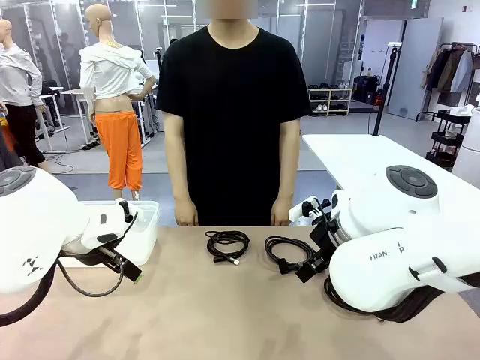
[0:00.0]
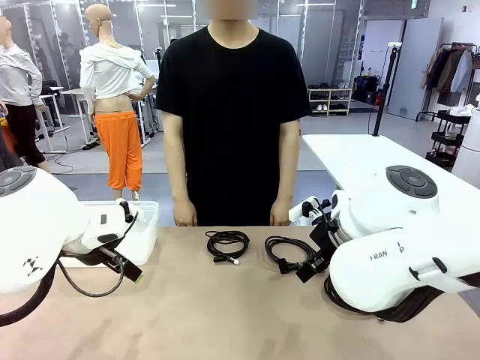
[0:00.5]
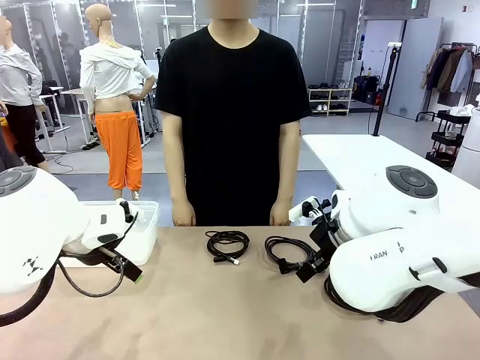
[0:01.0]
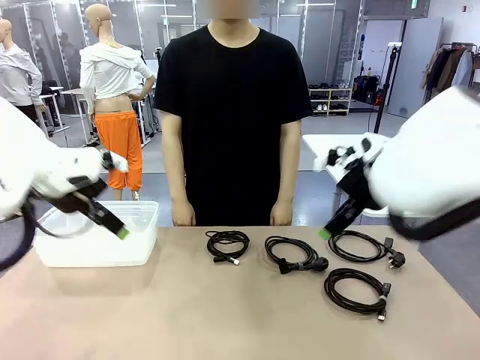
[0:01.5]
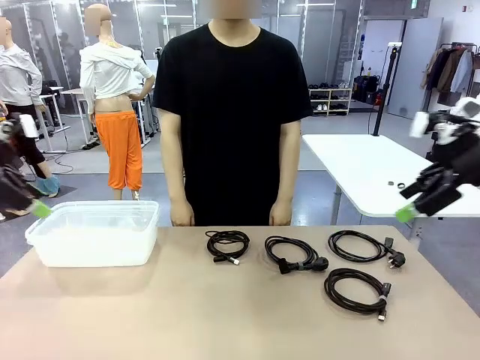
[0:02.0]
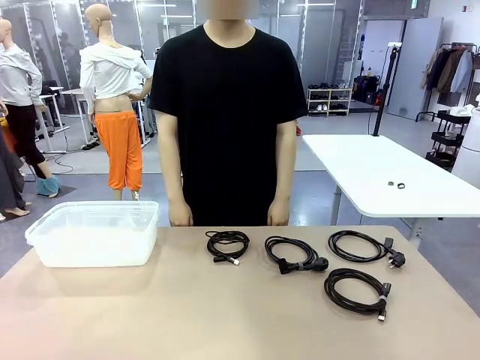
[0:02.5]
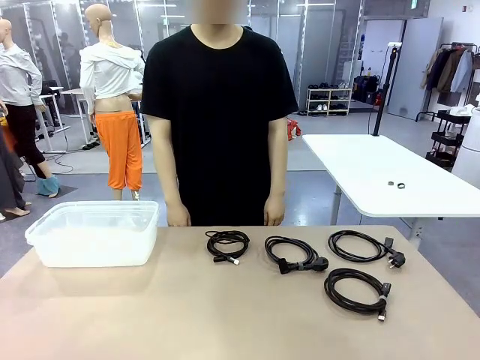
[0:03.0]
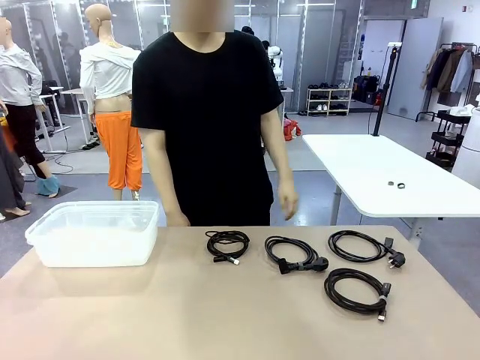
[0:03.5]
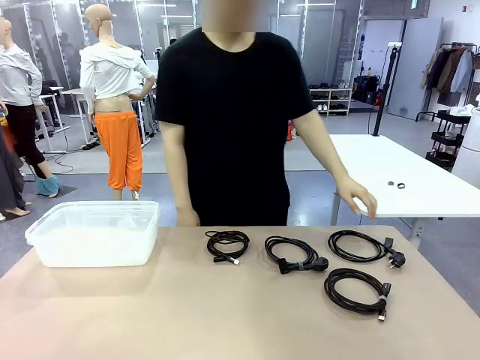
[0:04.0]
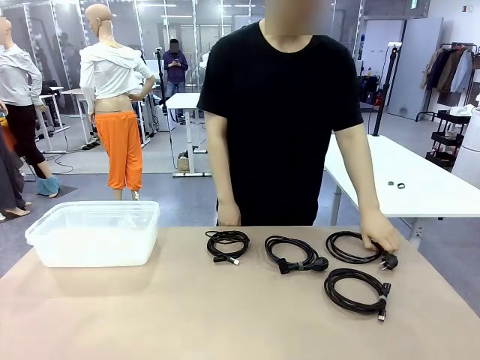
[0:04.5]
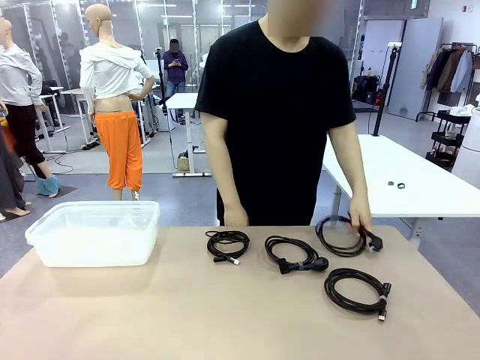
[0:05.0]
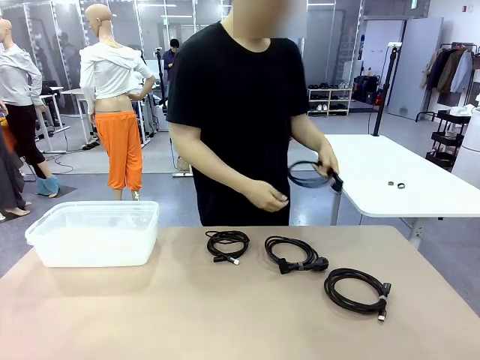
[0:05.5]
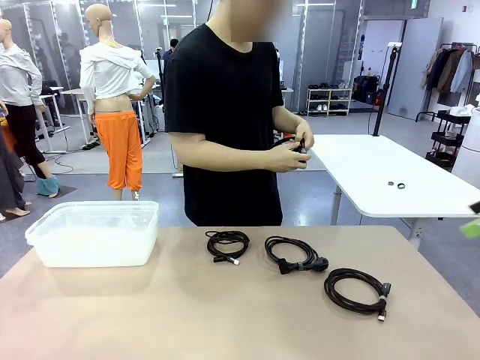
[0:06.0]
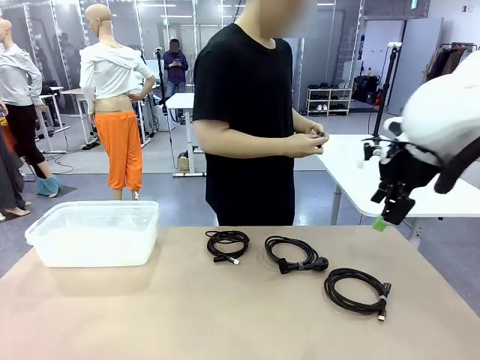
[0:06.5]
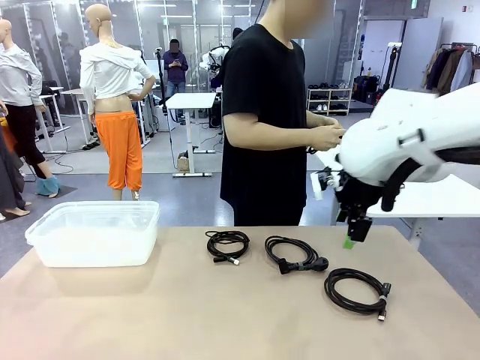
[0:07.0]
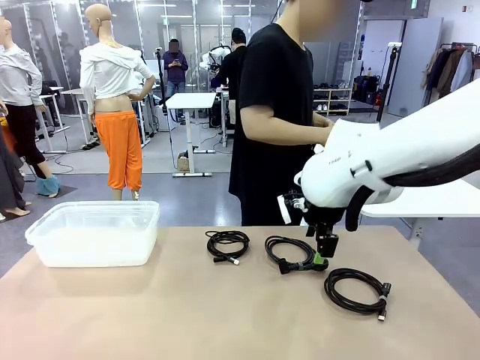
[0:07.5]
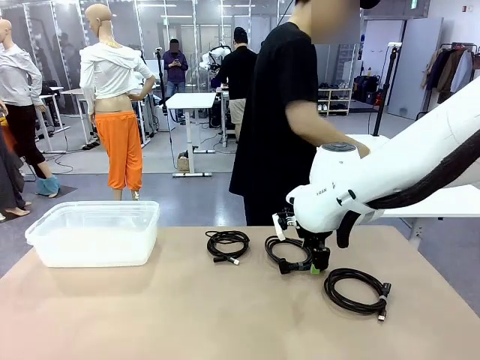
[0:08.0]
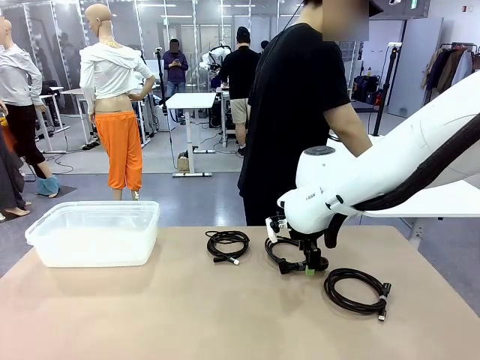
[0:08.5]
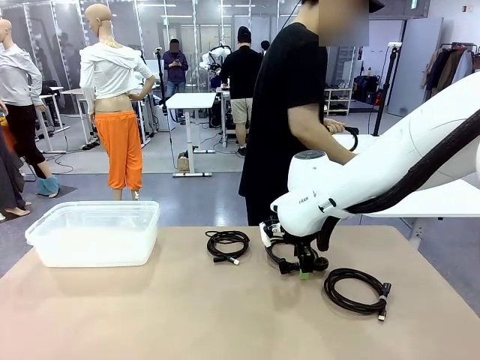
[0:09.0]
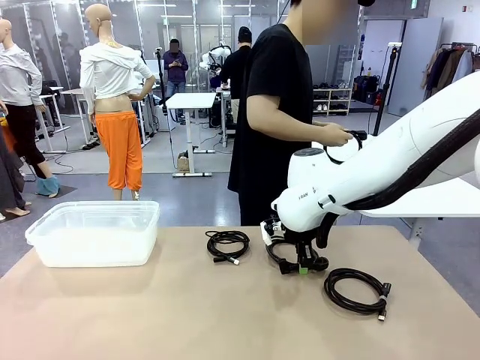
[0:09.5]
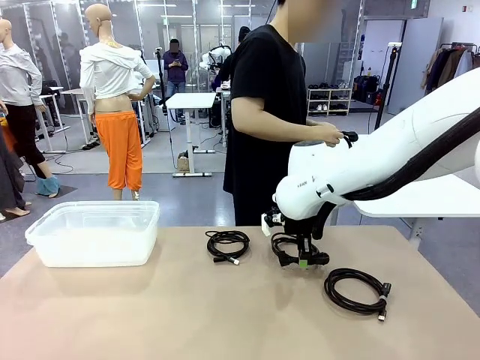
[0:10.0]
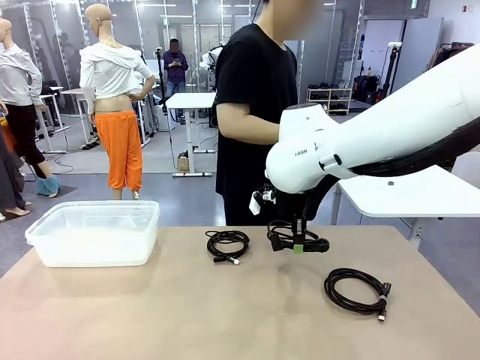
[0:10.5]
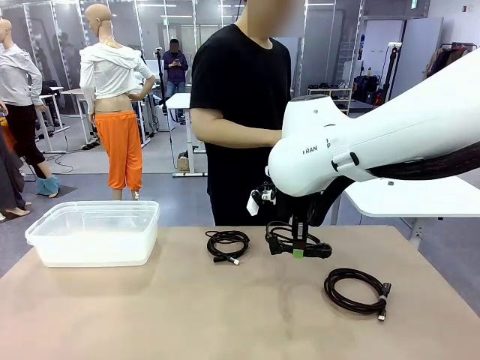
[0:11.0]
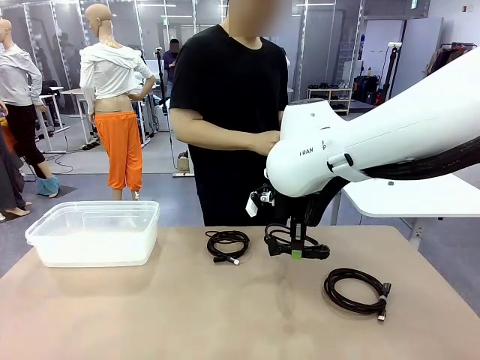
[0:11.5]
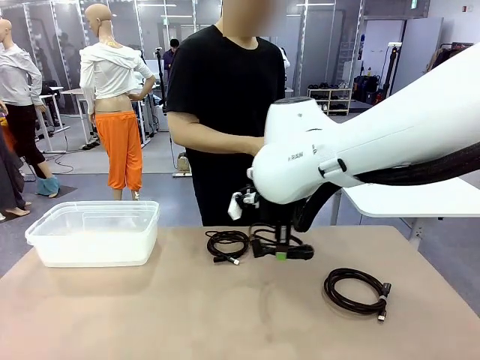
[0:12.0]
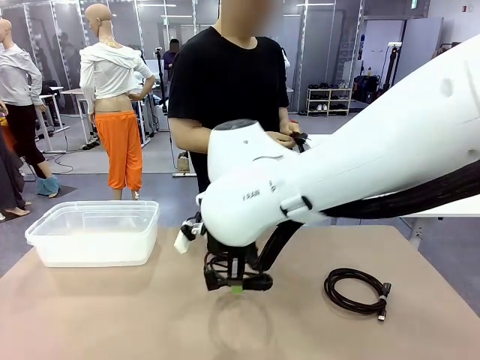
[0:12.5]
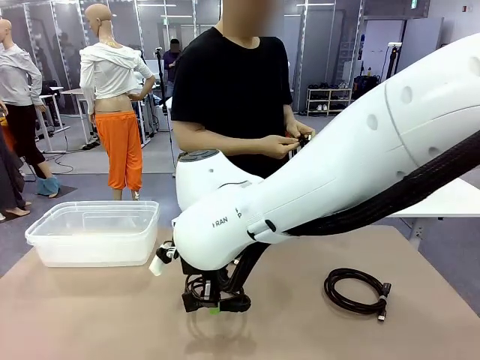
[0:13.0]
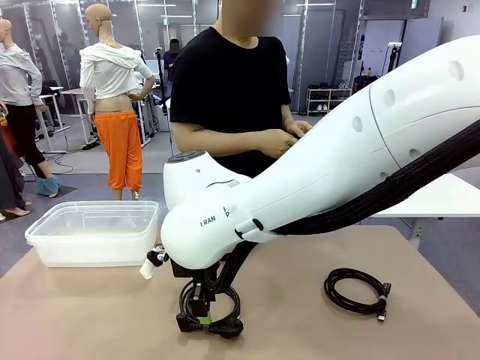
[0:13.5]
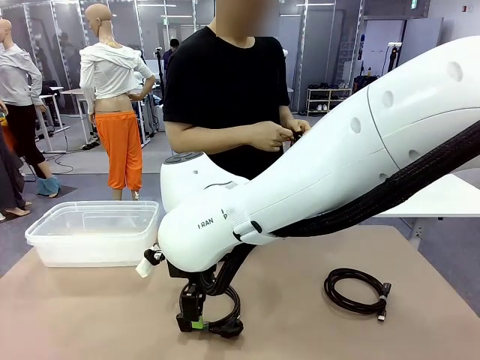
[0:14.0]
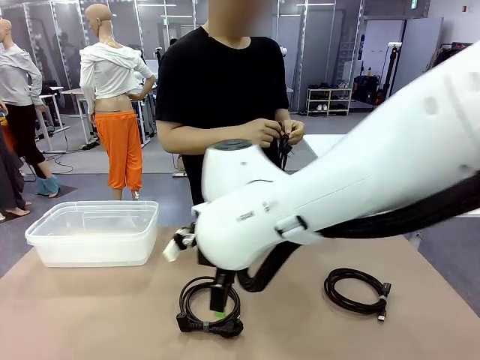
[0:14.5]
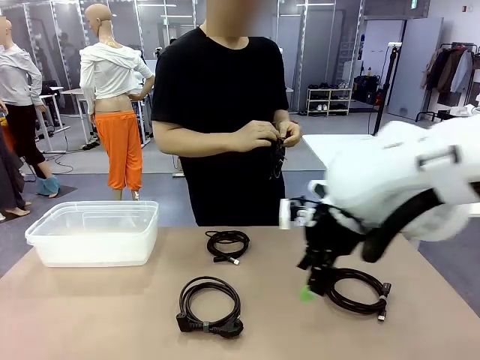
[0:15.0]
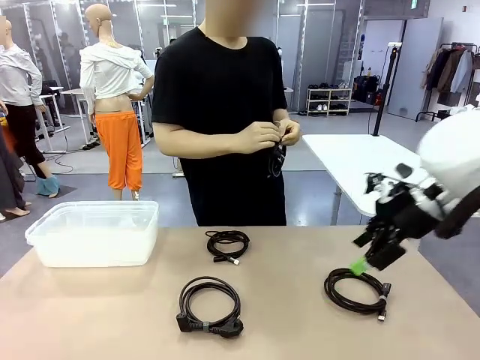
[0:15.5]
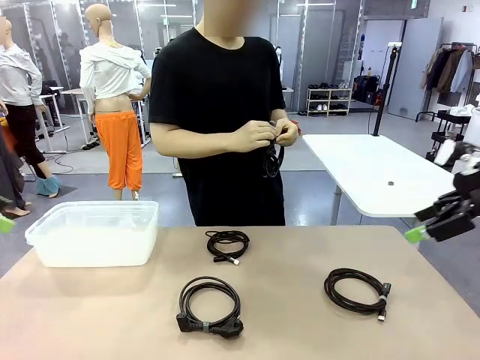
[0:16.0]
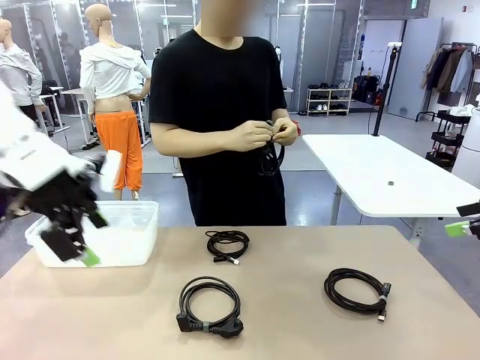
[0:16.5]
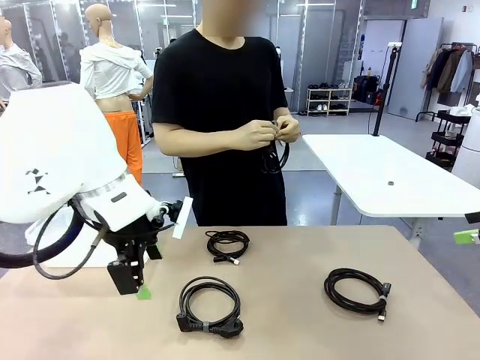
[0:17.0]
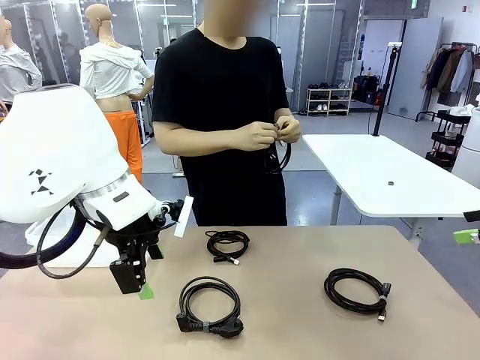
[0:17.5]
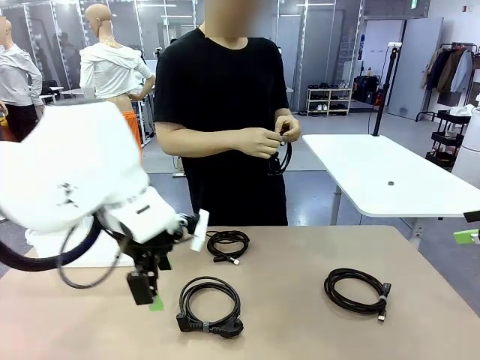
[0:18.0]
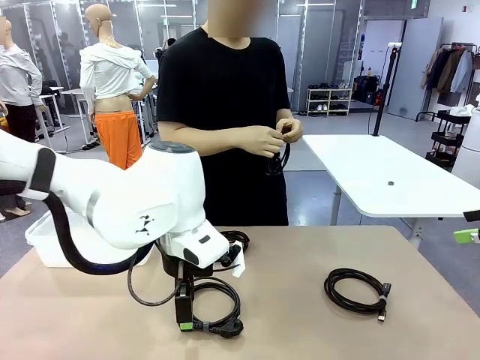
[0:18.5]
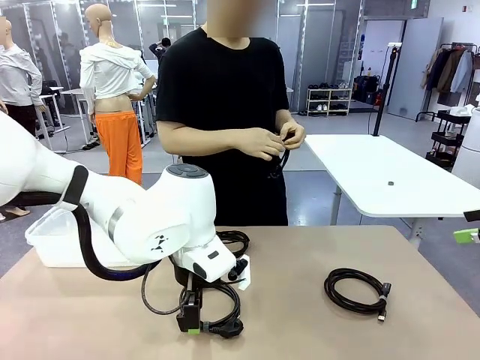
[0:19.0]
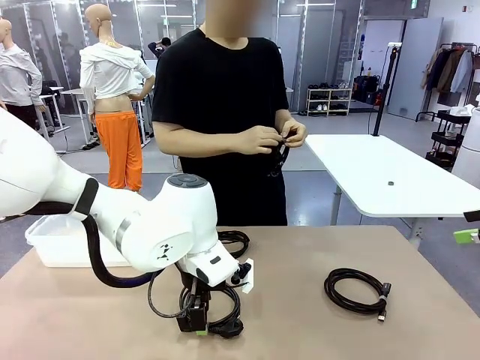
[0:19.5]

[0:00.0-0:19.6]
Task: Organize and store the cables.
Robot: Place the Power Cable into the Organizing box.
Person: Tie one Power Cable with a Reusable Cable Tie.
